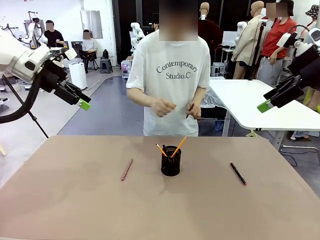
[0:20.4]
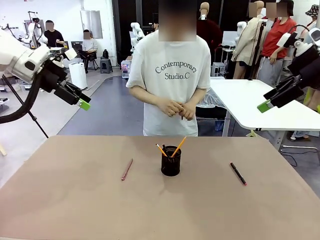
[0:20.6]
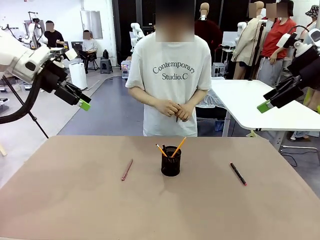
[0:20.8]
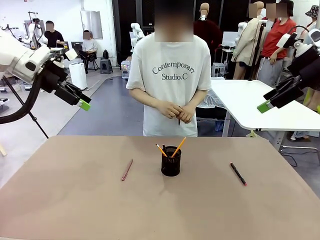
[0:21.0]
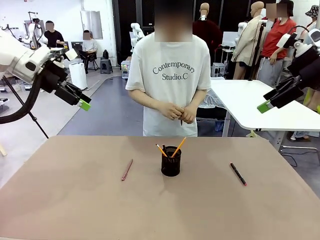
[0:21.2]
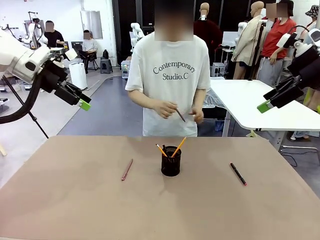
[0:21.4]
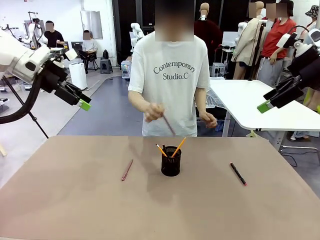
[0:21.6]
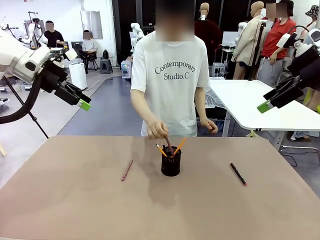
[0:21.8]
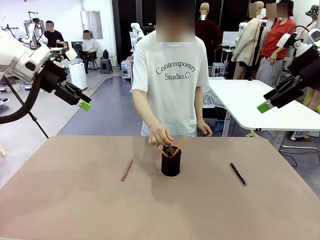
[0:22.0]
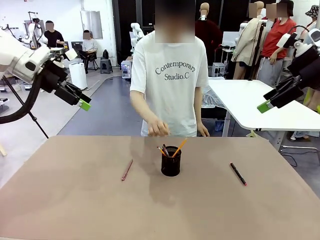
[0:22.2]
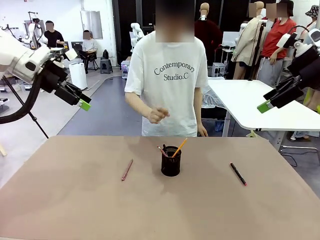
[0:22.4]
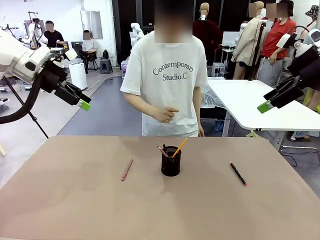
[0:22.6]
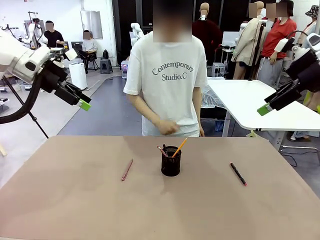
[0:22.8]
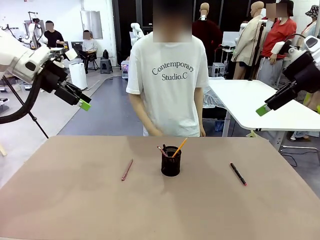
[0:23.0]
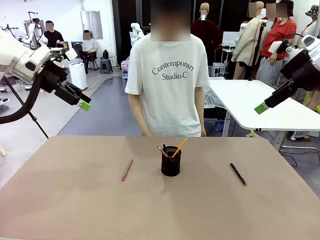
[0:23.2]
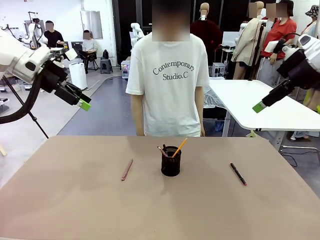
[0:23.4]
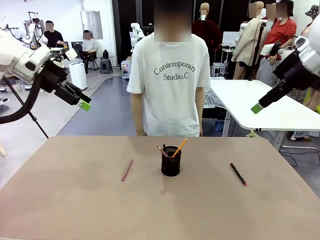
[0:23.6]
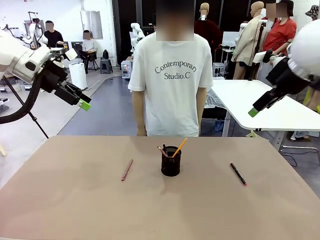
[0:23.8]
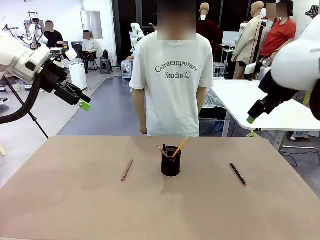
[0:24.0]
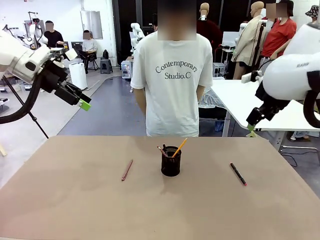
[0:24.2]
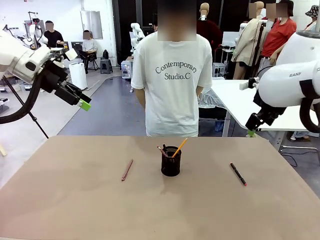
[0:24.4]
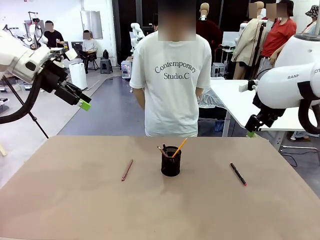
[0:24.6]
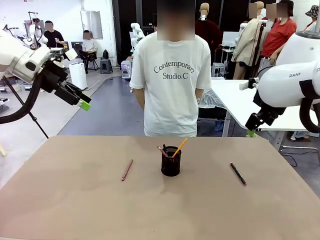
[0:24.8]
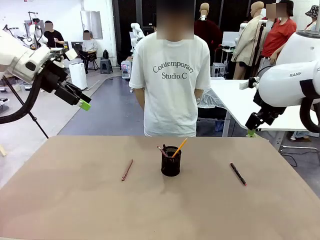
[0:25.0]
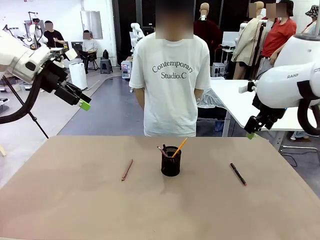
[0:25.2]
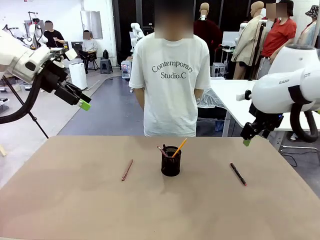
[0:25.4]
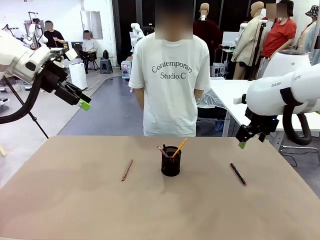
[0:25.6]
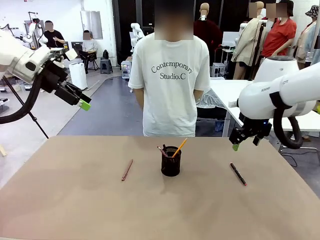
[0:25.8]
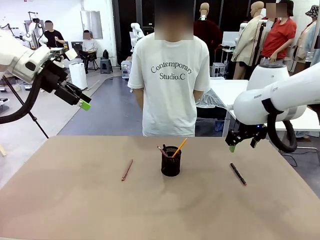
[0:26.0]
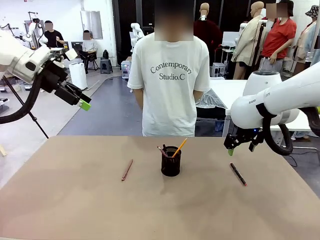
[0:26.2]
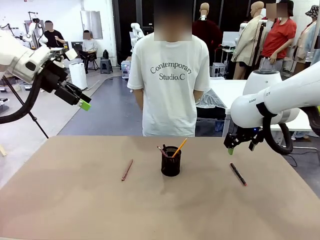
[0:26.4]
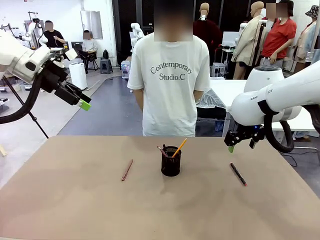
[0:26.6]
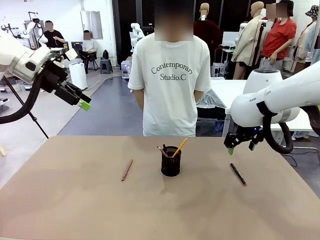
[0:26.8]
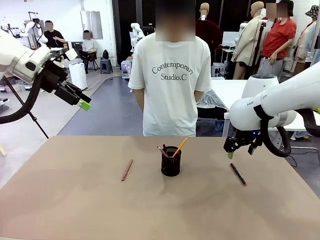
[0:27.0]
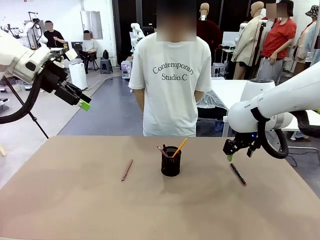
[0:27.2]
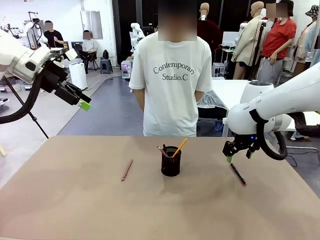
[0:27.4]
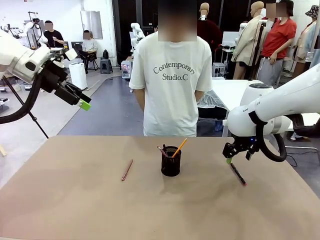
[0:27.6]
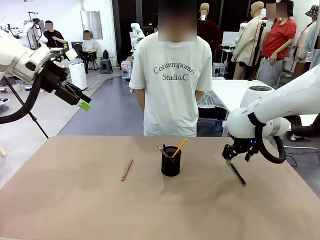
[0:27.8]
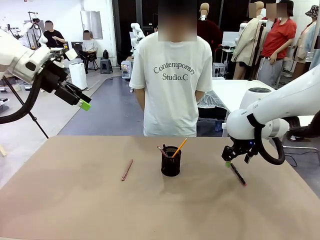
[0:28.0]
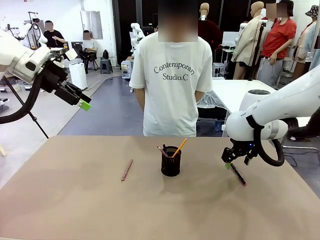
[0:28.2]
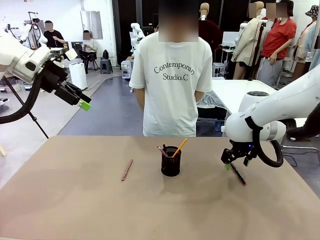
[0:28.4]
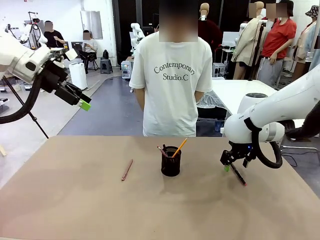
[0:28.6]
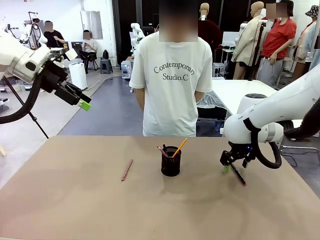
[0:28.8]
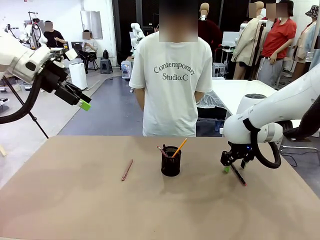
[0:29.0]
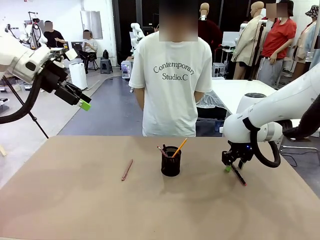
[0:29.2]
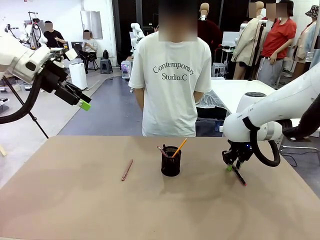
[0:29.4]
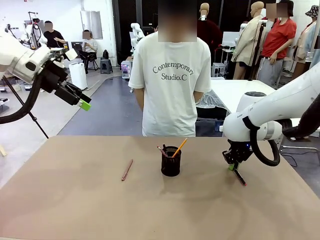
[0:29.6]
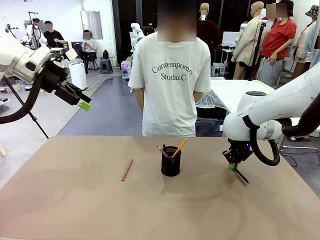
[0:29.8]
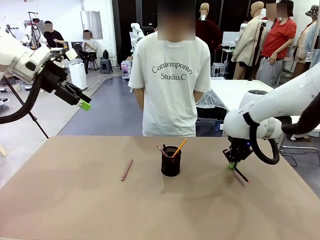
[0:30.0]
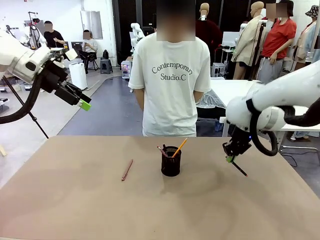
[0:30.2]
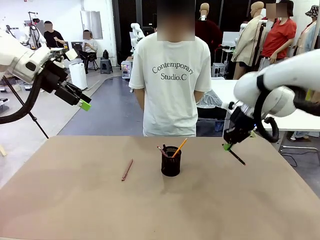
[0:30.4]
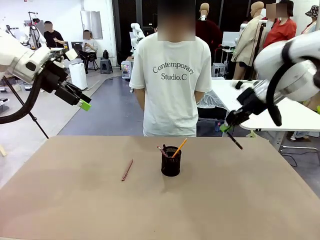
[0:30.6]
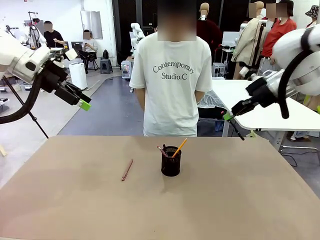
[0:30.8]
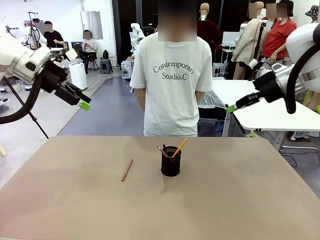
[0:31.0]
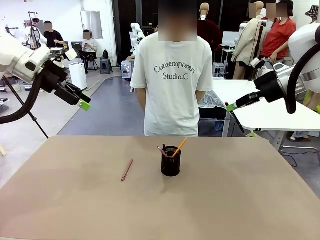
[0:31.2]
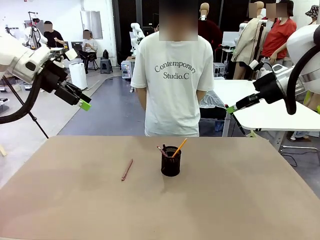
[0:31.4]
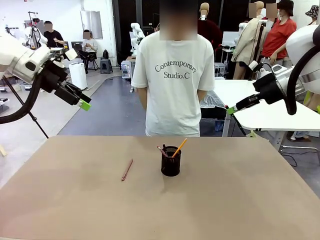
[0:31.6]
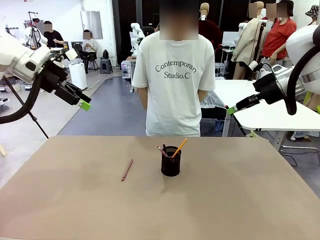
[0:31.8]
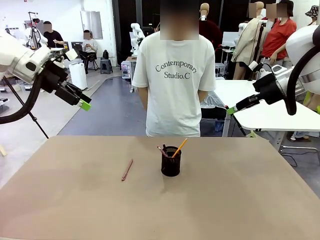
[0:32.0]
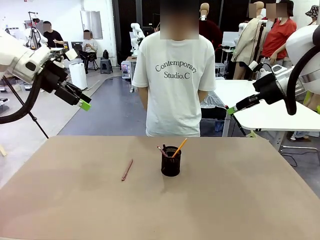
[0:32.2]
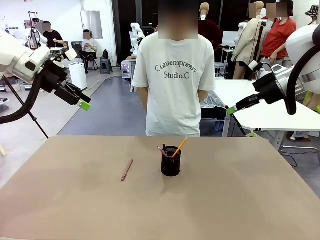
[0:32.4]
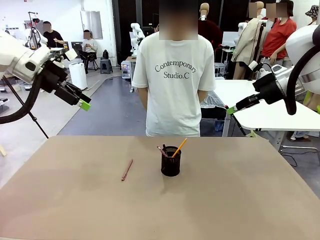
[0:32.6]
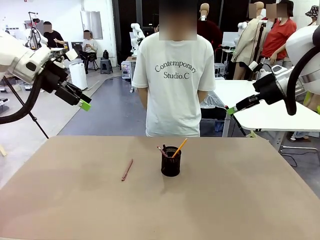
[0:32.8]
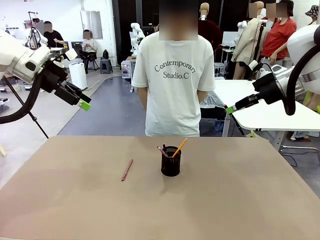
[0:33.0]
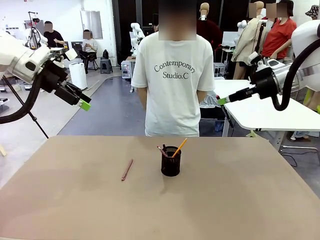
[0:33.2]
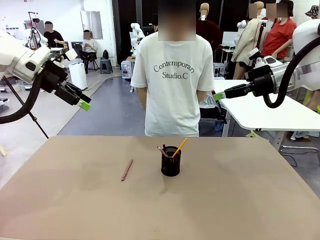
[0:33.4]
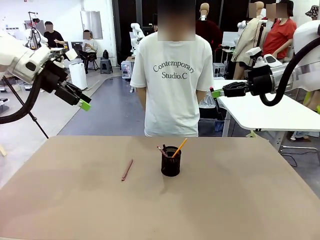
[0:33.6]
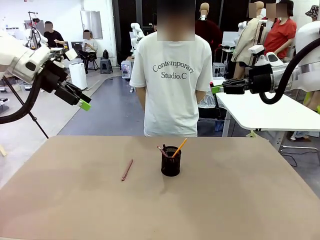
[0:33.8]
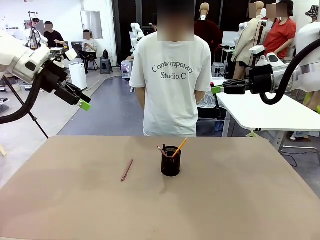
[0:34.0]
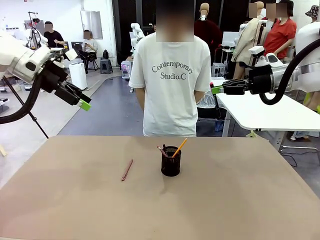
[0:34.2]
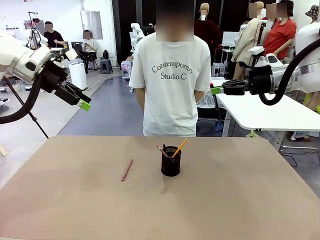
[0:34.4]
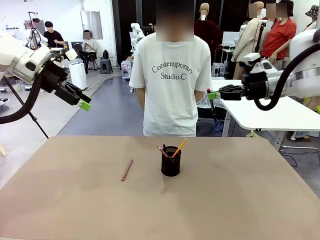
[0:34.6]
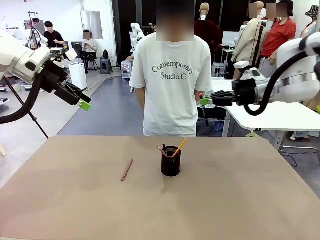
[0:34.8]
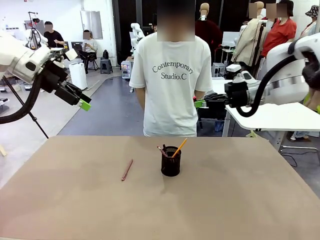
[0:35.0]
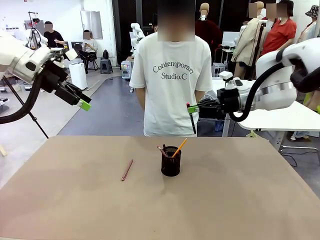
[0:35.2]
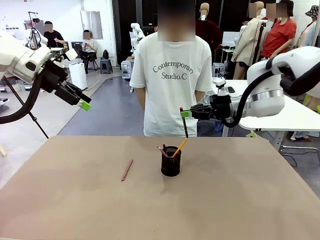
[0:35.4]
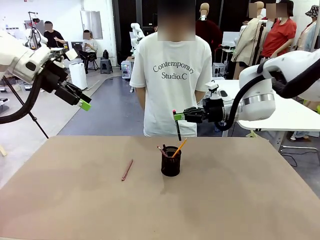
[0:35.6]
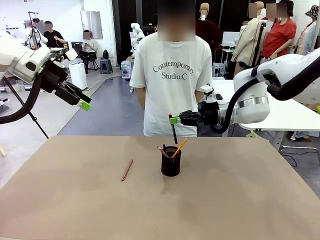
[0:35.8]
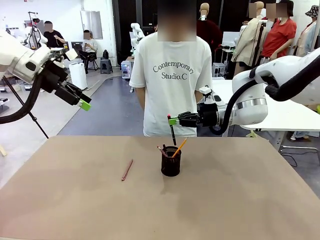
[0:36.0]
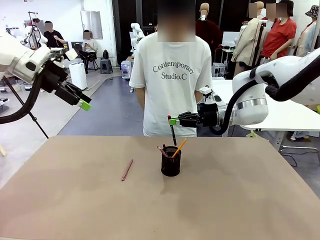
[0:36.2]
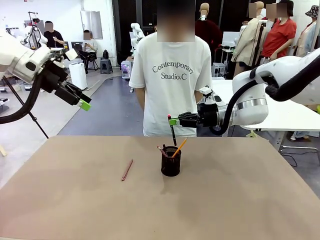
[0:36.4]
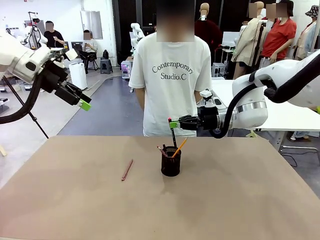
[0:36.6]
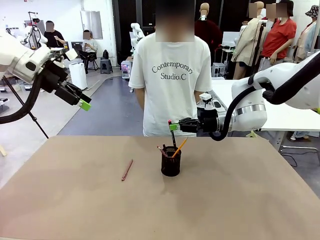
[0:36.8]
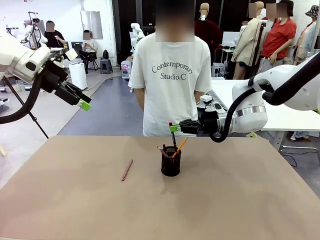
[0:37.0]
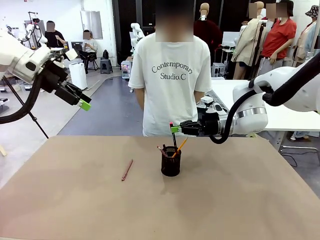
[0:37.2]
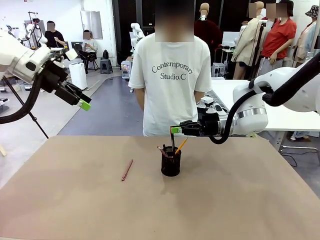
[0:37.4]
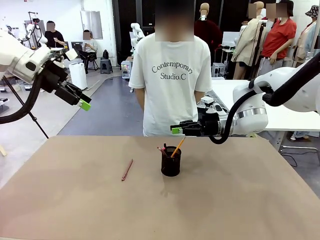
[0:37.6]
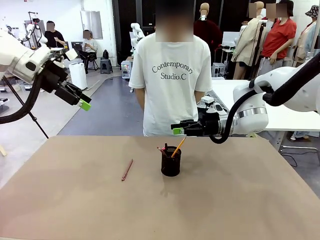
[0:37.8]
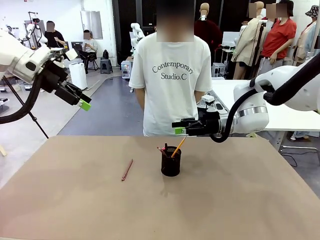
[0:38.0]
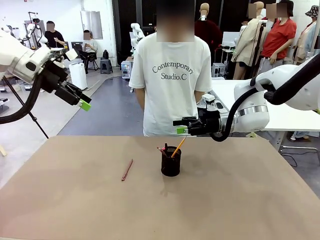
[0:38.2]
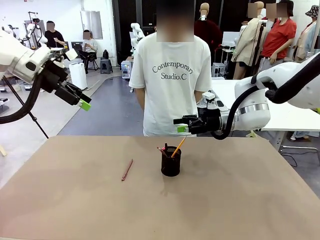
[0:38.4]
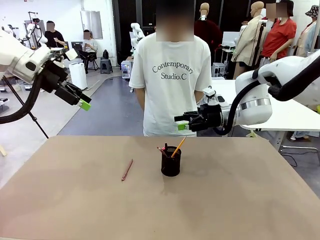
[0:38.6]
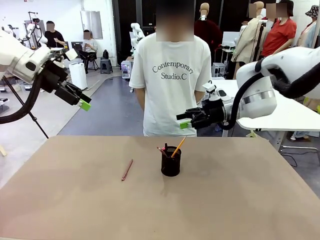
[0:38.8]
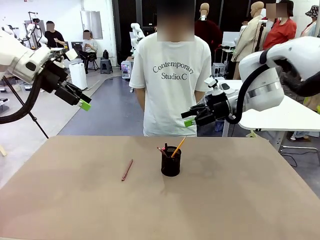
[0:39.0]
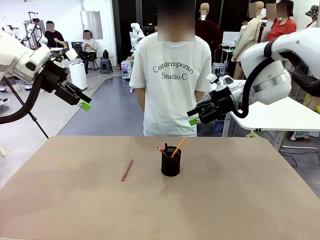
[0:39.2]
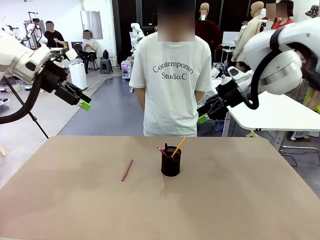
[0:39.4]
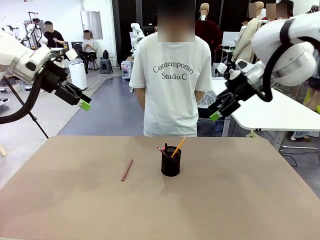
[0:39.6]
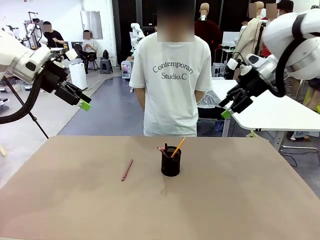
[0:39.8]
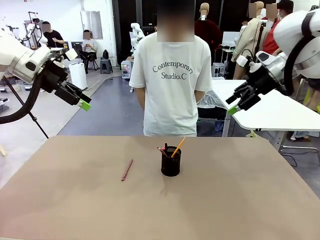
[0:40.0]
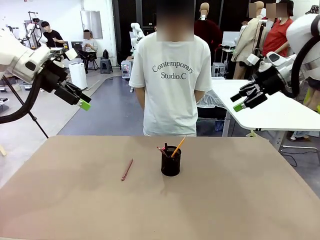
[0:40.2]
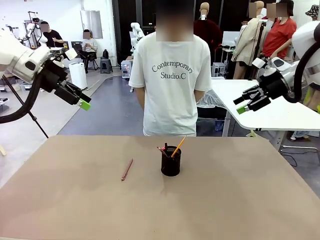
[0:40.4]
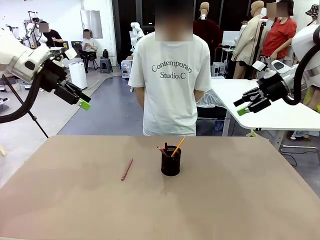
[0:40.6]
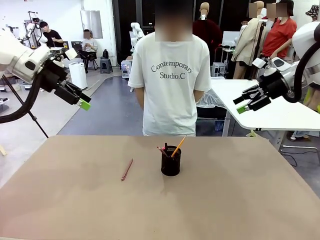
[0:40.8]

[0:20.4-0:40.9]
Task: Place the pens into the pen holder.
Robot: Pick up a writing instrument from the table and place it into the Pen holder.
